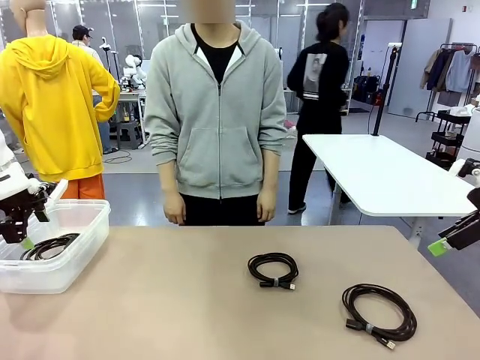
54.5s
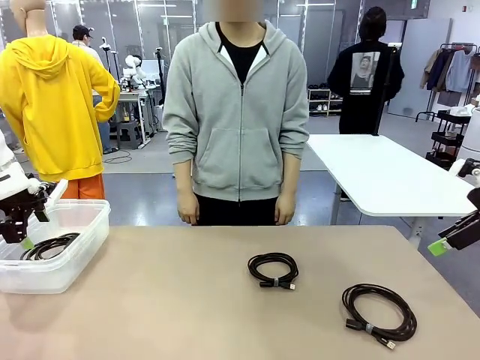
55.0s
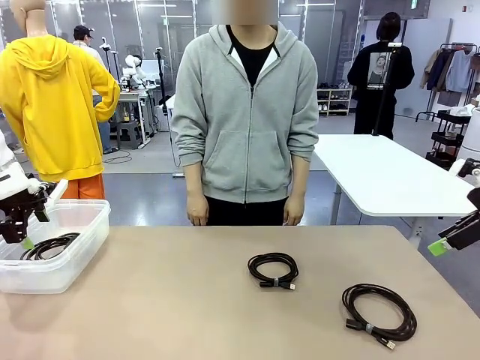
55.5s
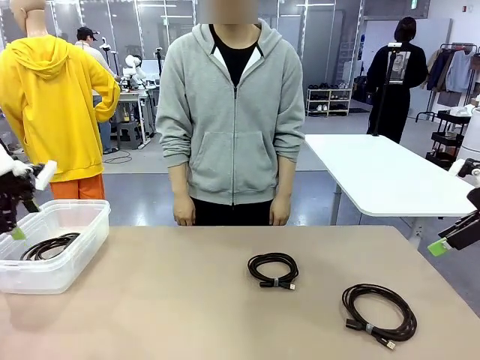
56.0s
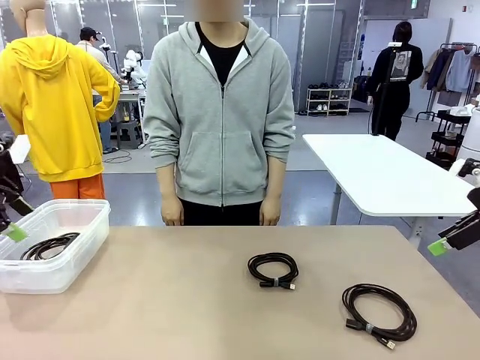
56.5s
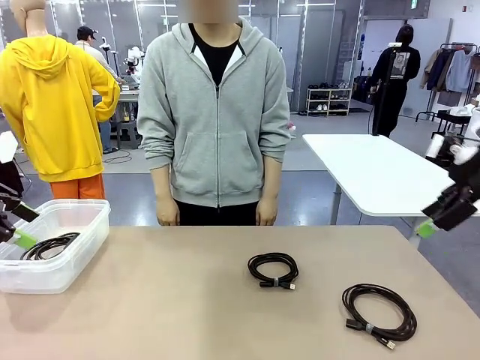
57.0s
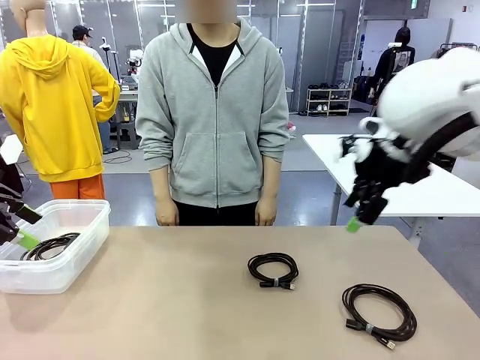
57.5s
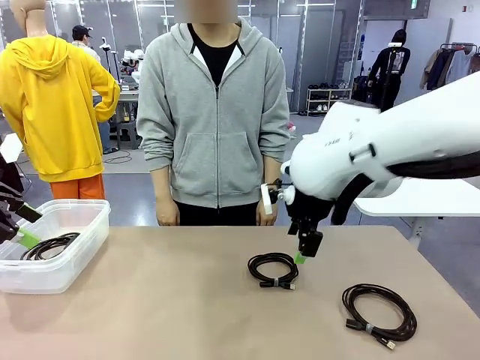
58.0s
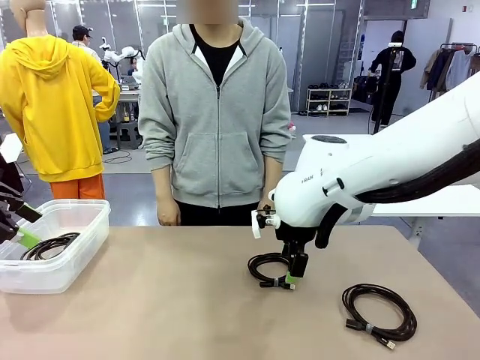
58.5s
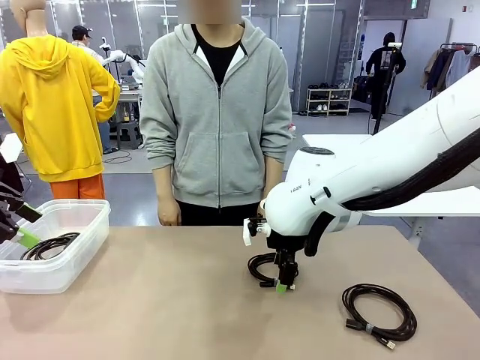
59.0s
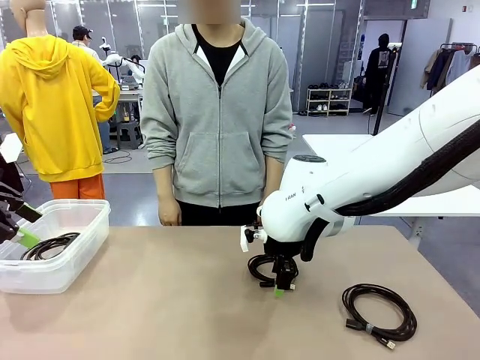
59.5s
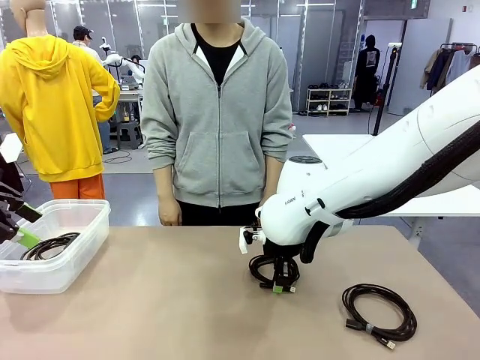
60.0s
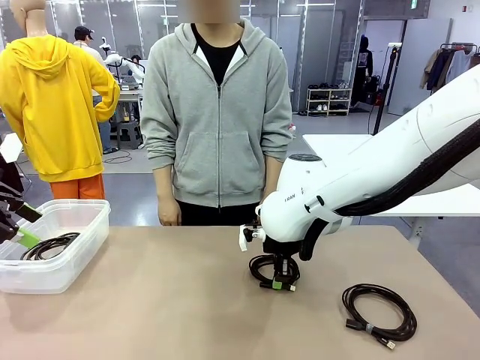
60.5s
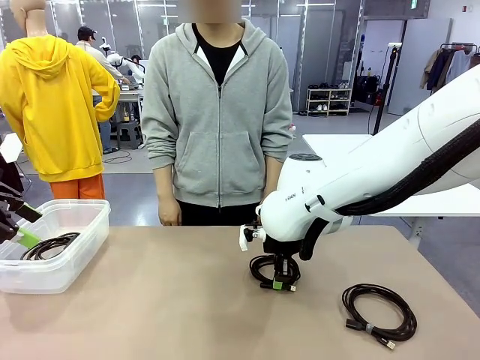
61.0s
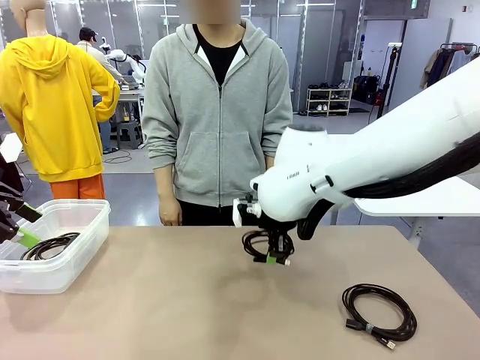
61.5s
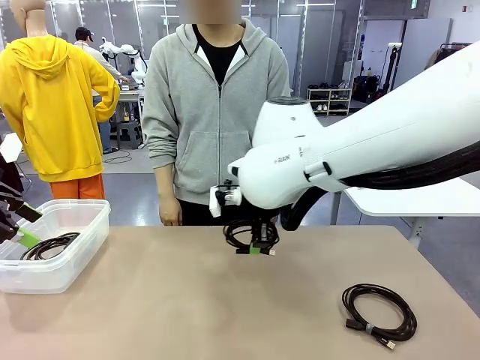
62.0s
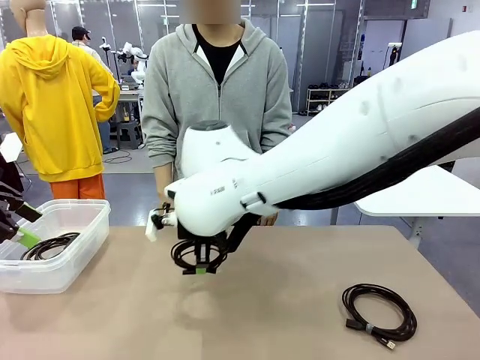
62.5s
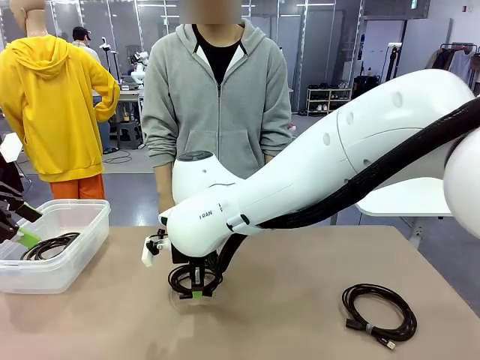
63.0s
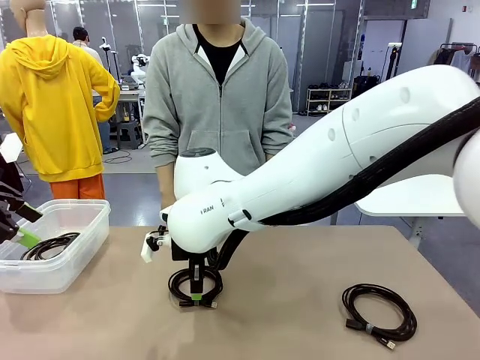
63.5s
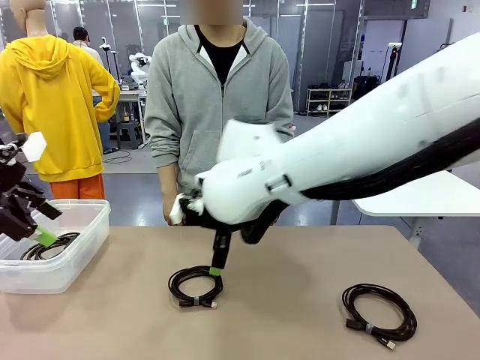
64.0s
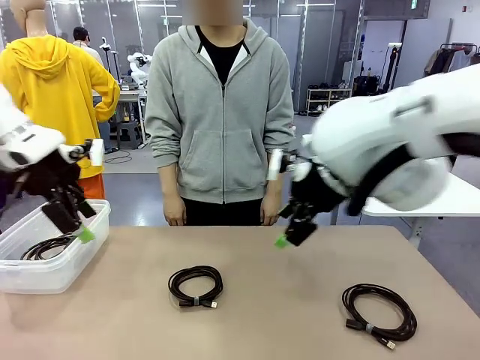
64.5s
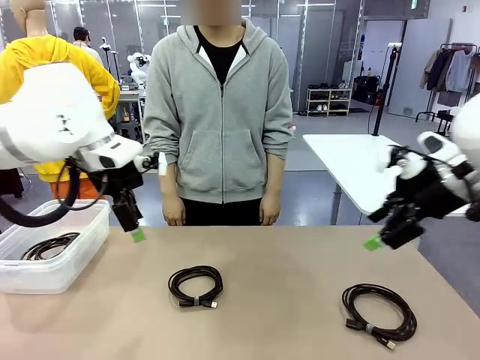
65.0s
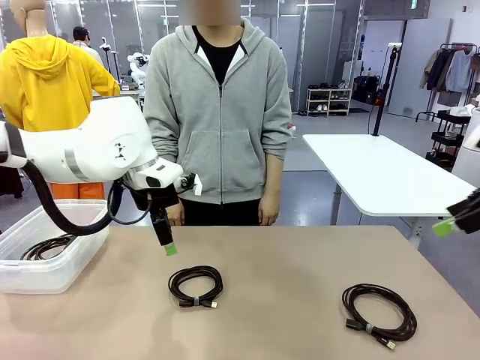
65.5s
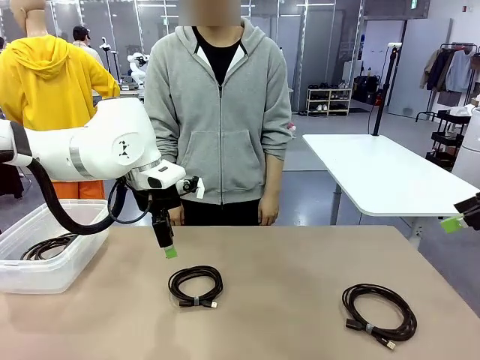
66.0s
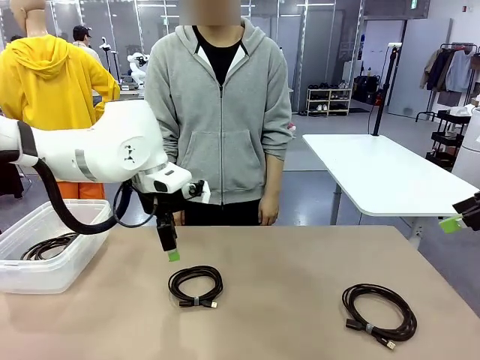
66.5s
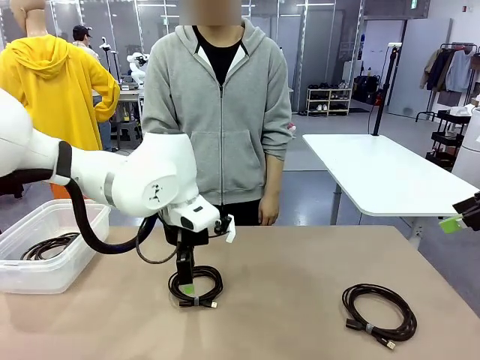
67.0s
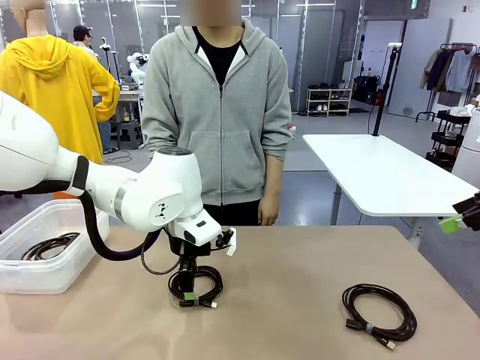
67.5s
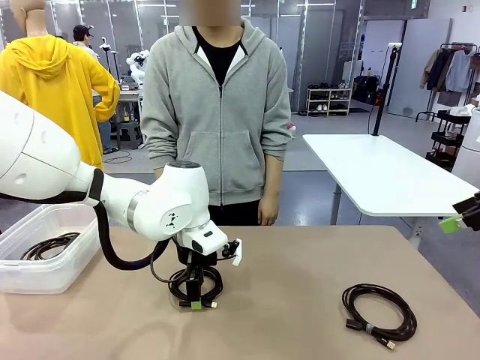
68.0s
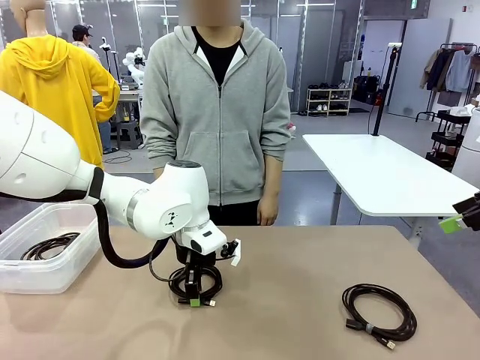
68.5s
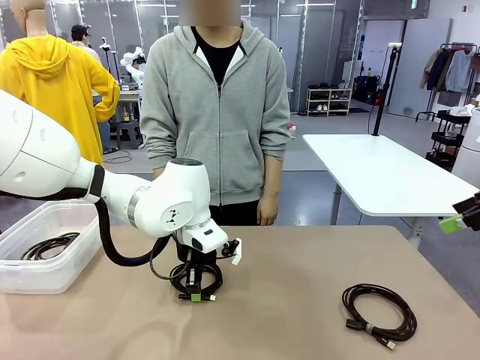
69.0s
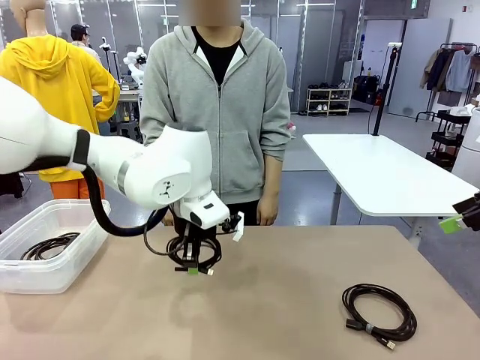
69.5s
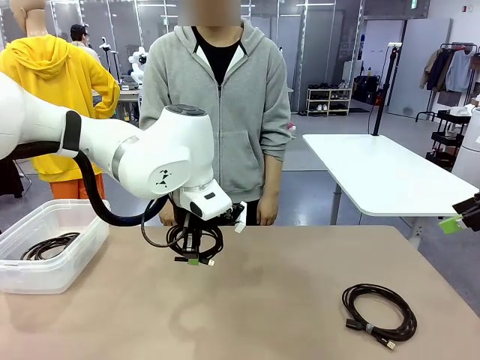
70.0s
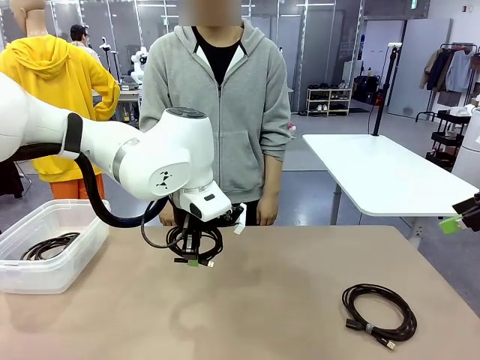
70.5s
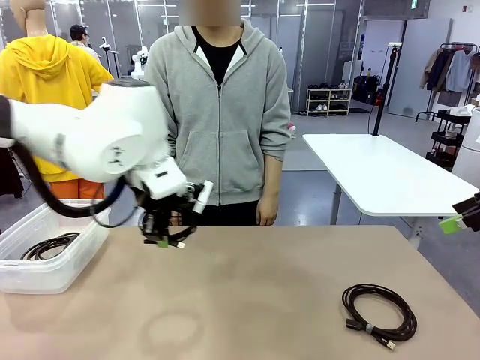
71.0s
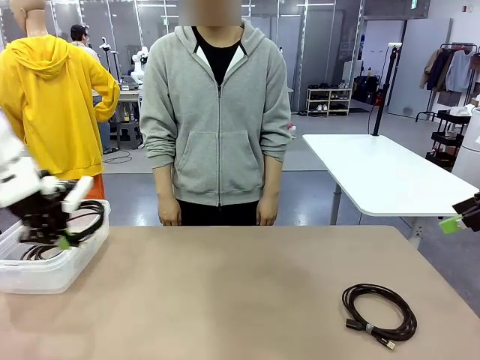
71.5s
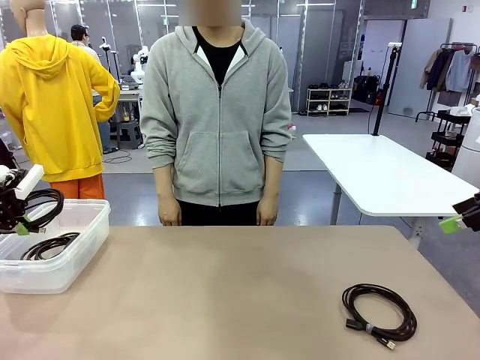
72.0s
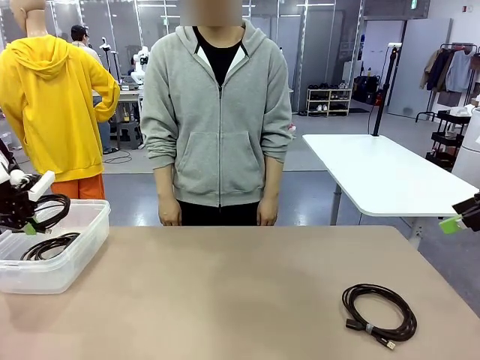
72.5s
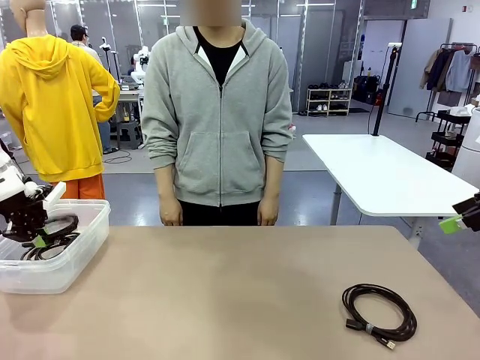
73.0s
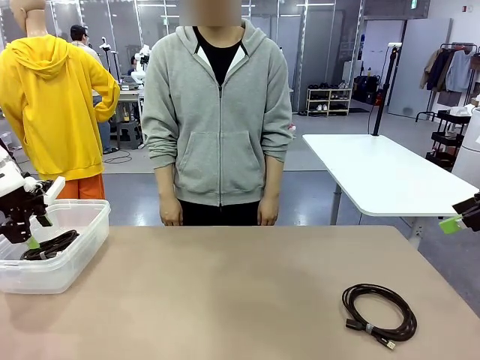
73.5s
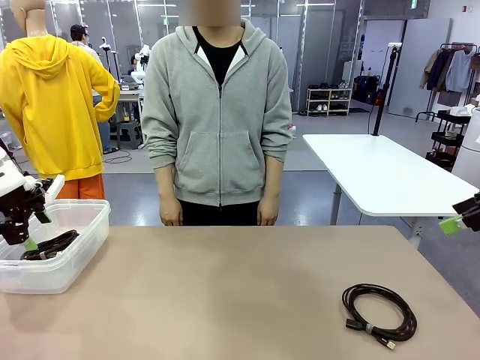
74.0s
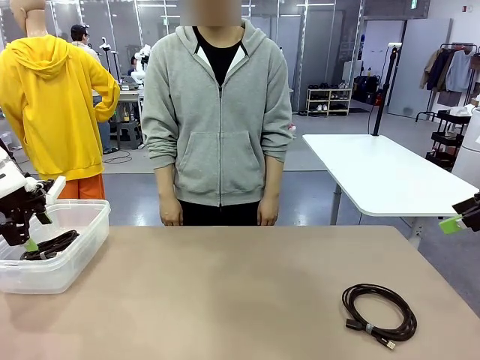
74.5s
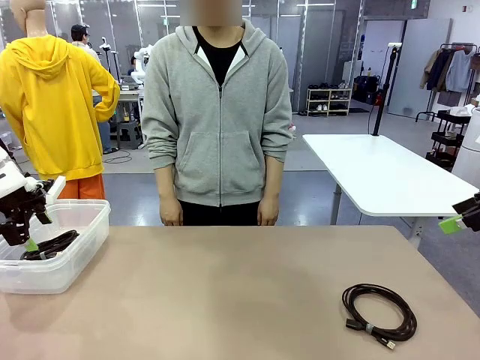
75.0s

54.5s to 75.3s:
Task: Organize and store the cables.
Robot: Place the USB Extension Cable into the Organizing box.

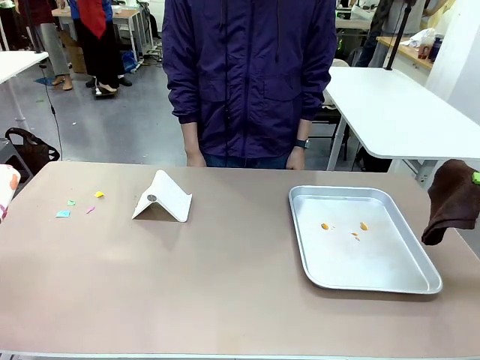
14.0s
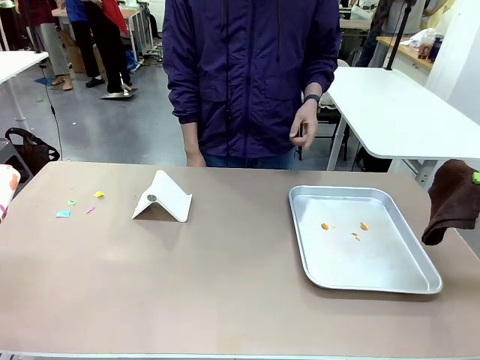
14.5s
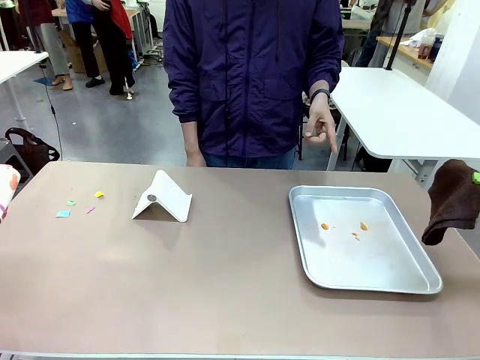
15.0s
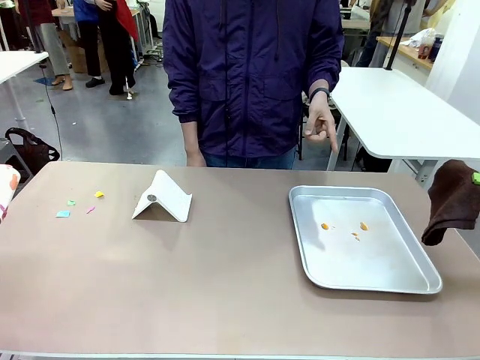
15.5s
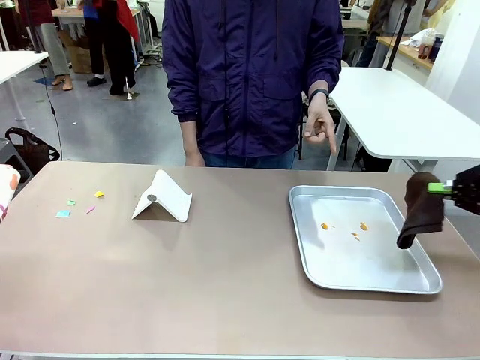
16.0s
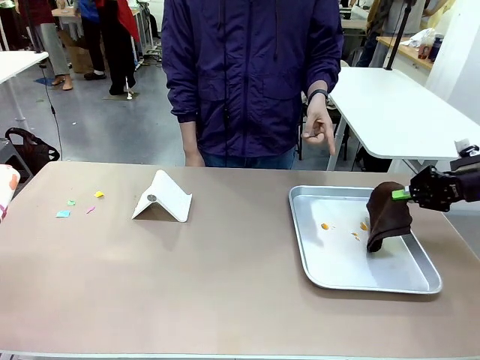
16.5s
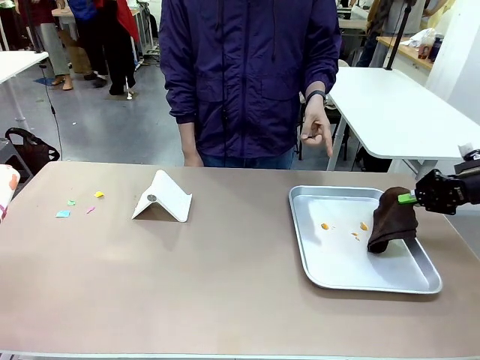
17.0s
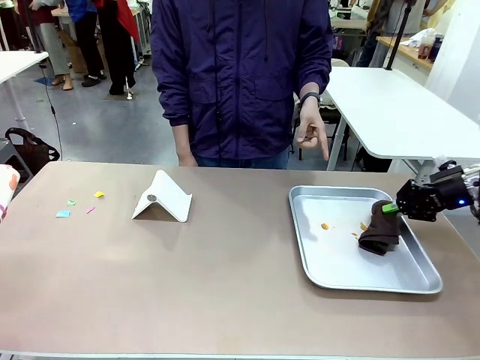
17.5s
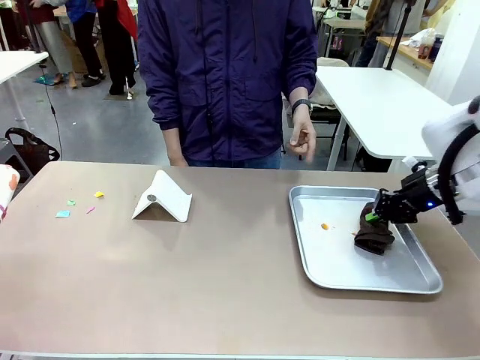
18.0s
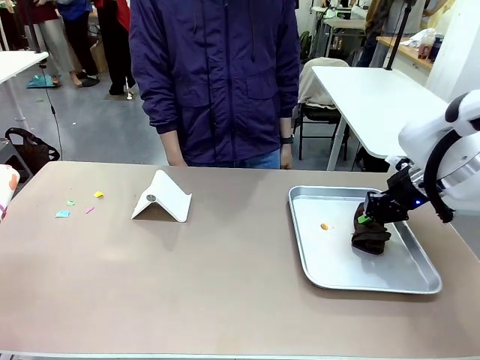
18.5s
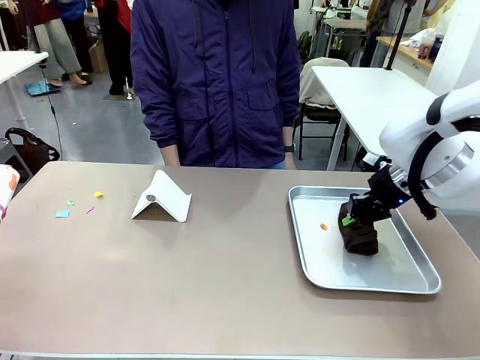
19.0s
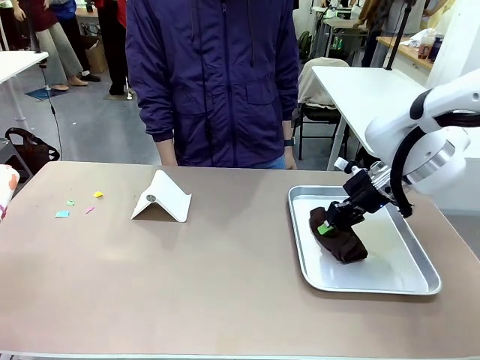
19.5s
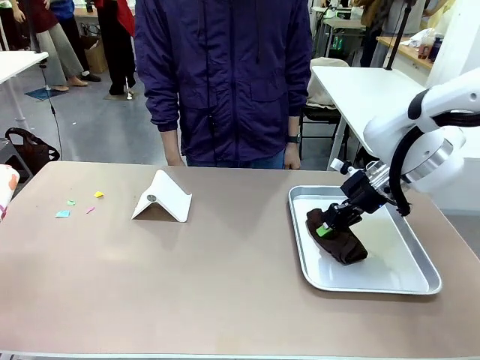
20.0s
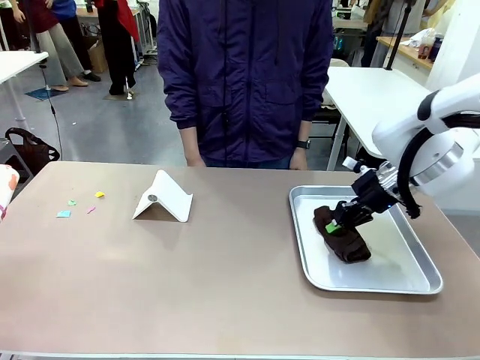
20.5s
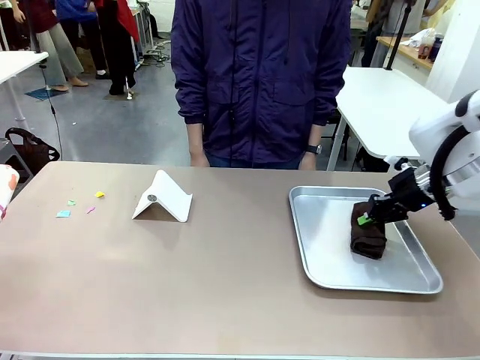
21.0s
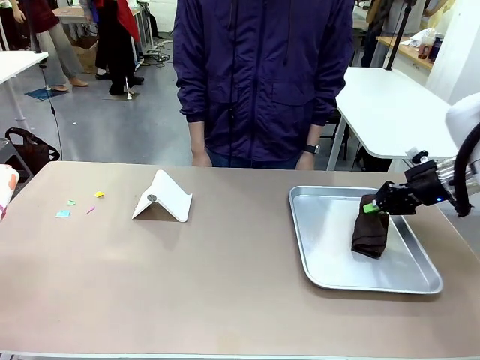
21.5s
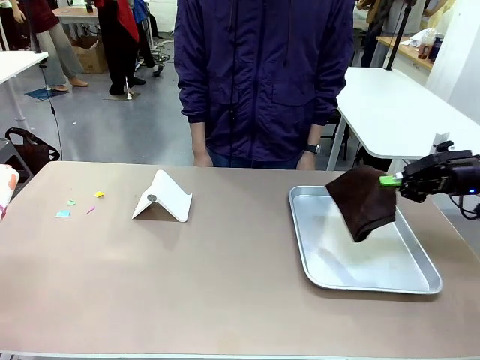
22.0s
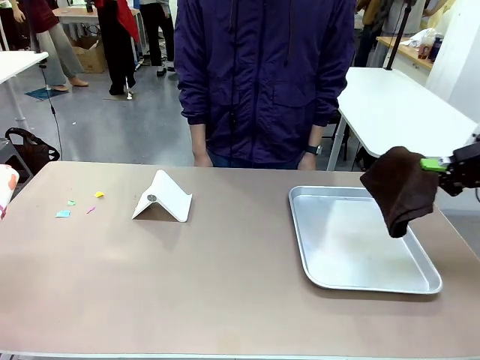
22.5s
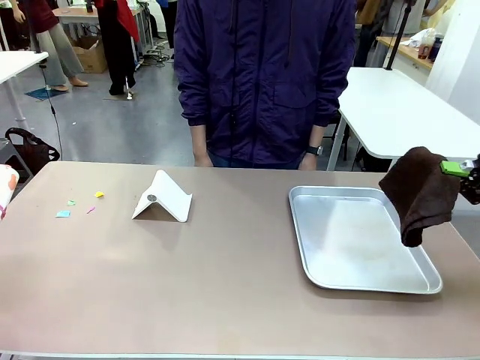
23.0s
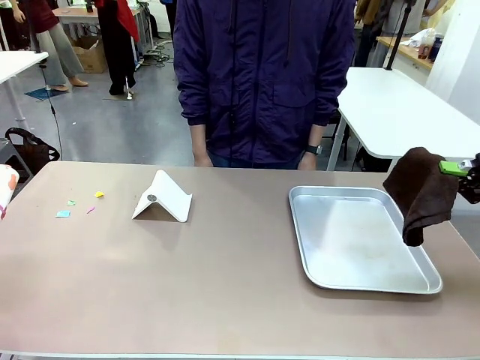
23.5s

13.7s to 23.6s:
Task: Clean the surface of the table.
Robot: If a person points to the right, clean the right side of the table with your right hand, and if they point to the left, clean the left side with your left hand.
